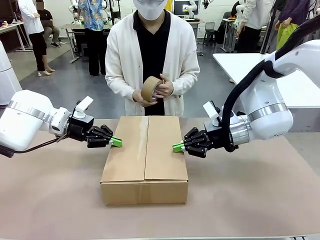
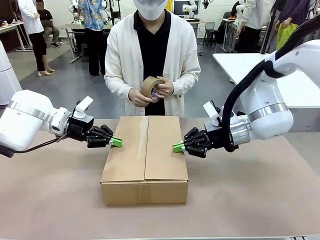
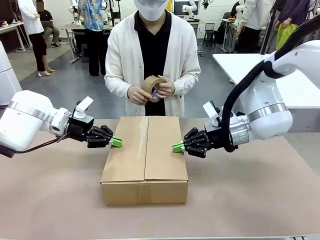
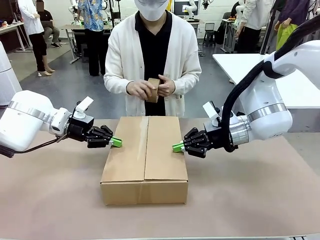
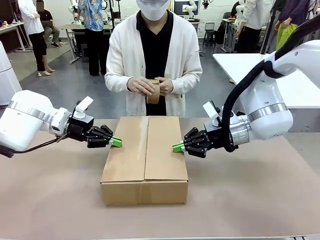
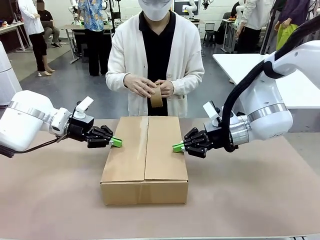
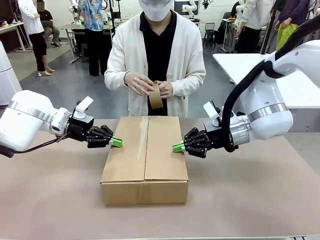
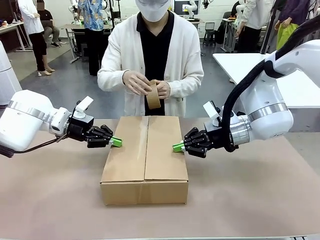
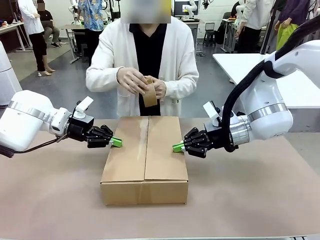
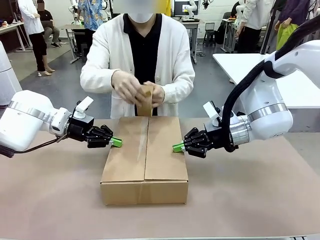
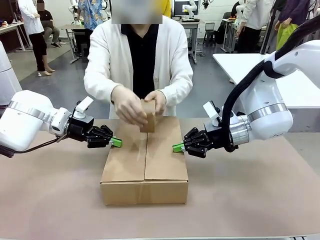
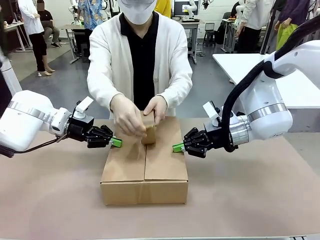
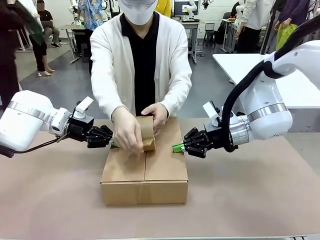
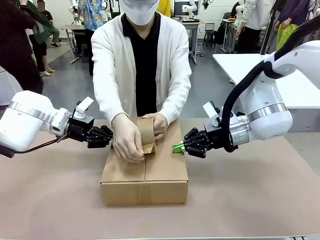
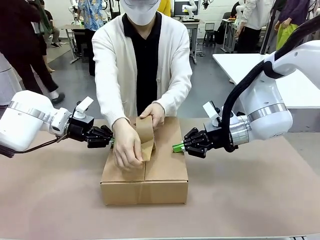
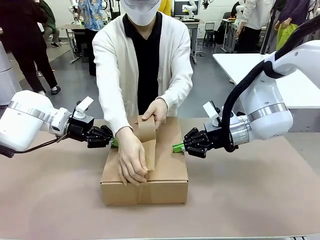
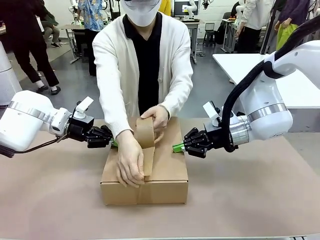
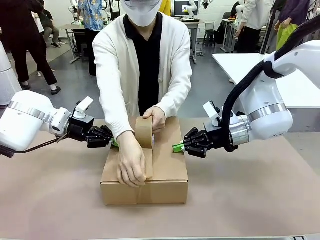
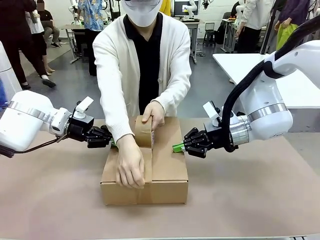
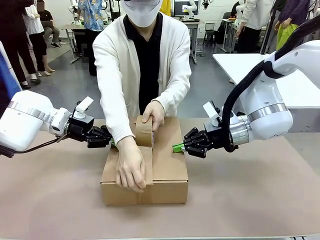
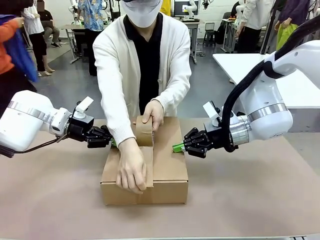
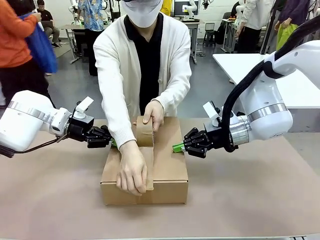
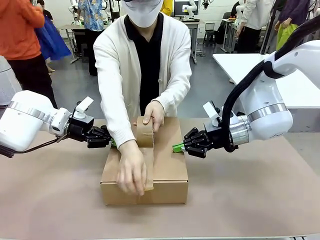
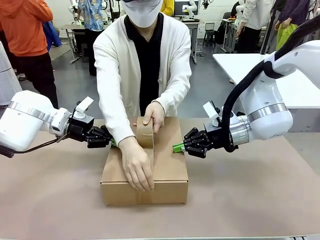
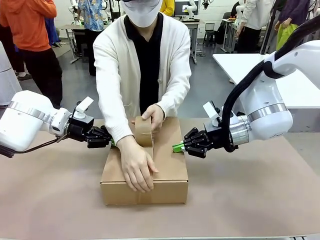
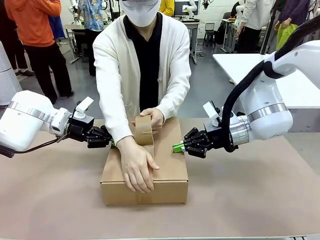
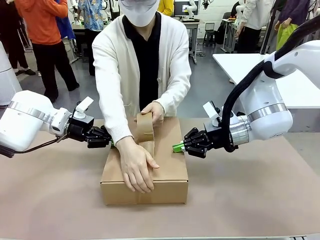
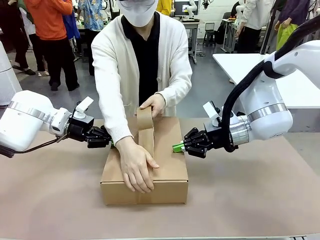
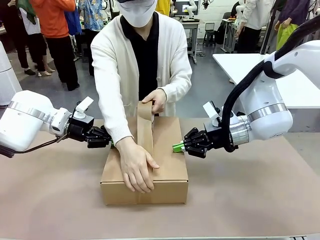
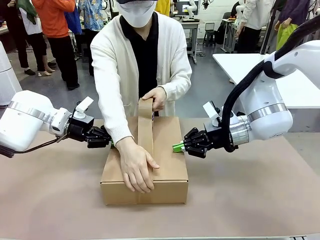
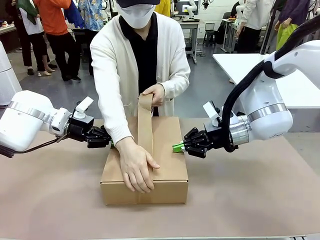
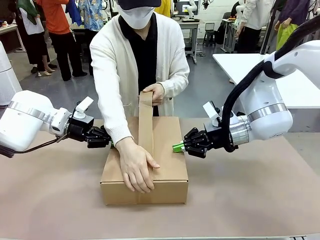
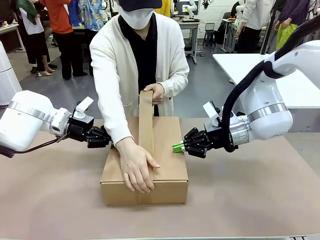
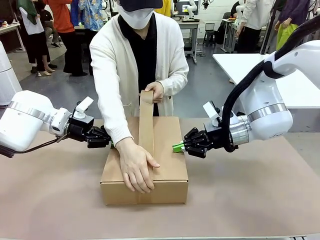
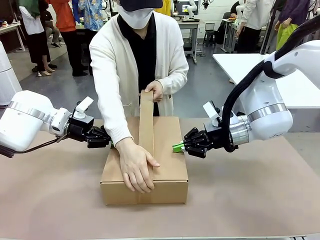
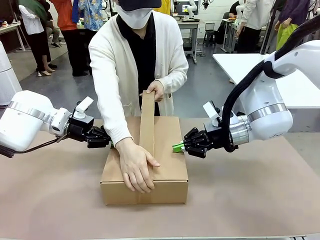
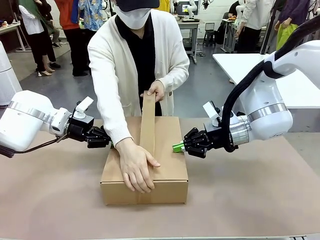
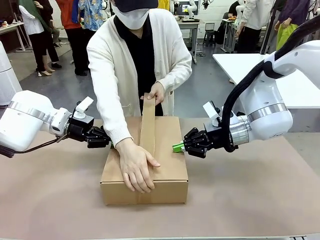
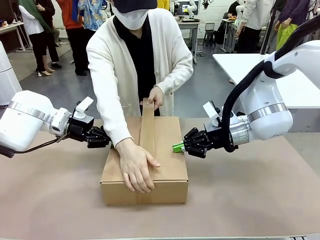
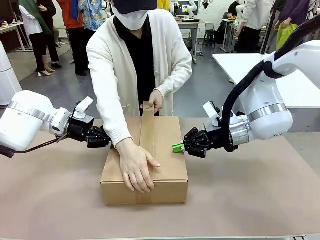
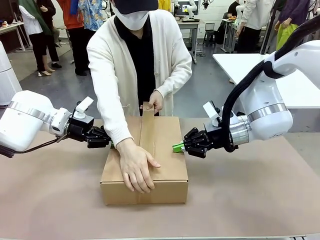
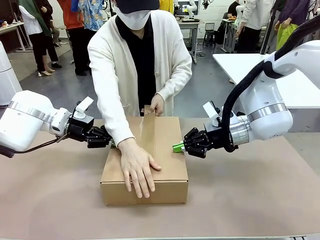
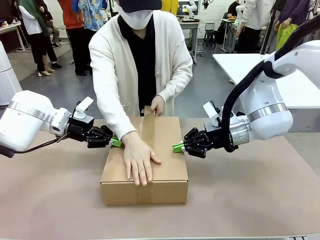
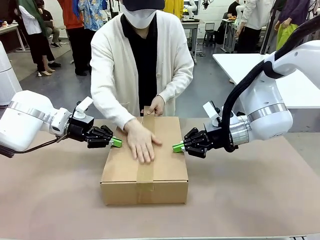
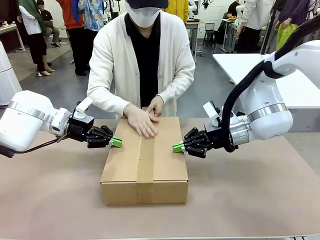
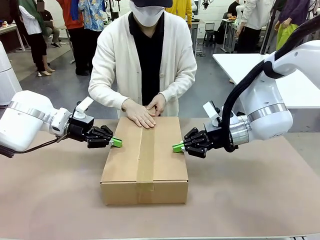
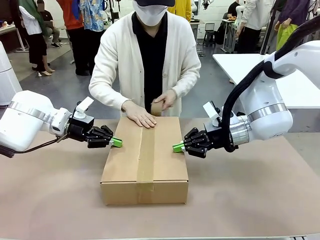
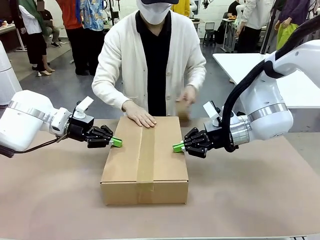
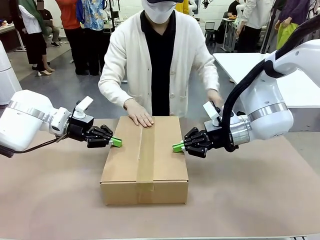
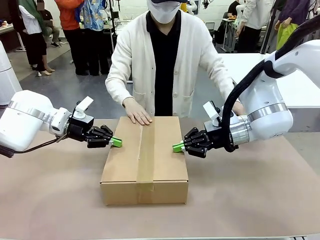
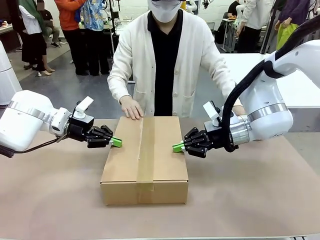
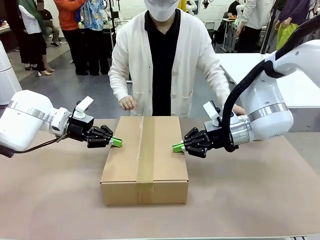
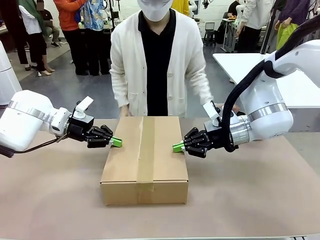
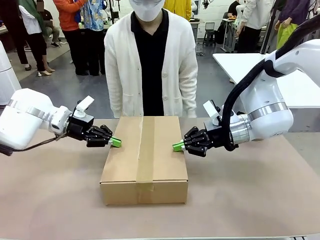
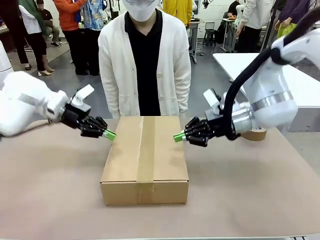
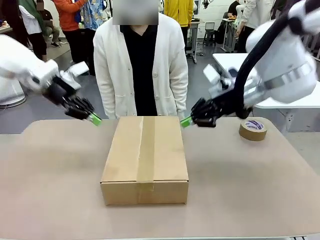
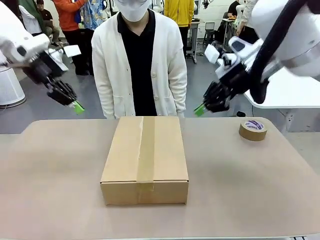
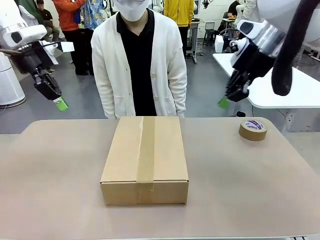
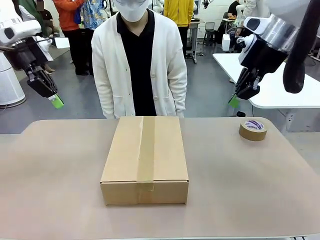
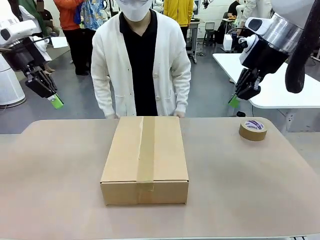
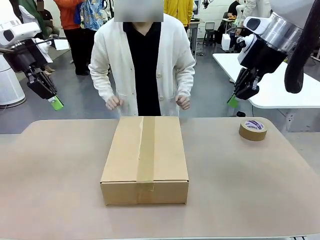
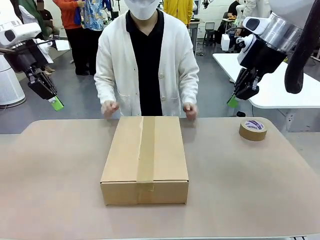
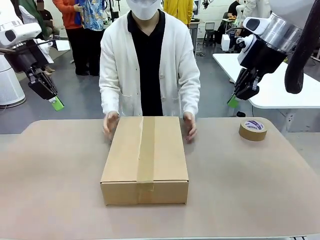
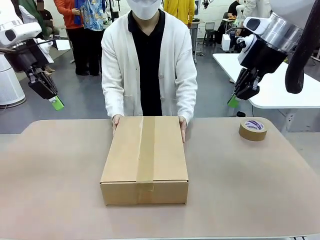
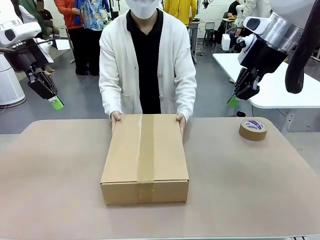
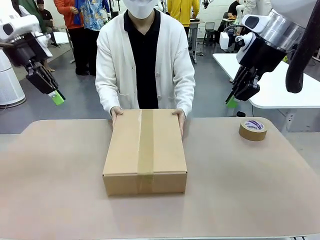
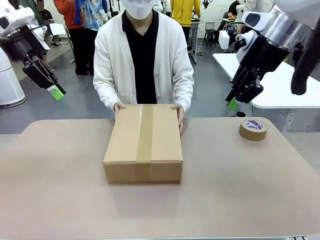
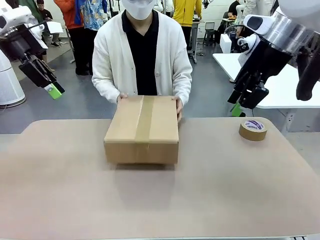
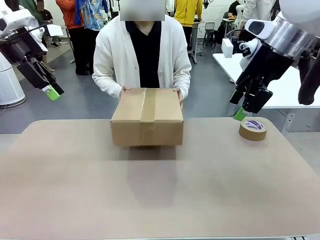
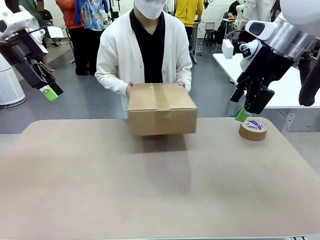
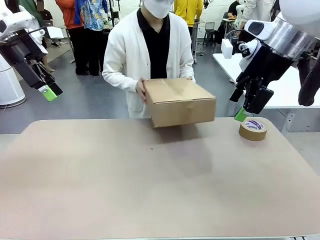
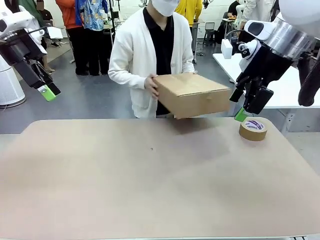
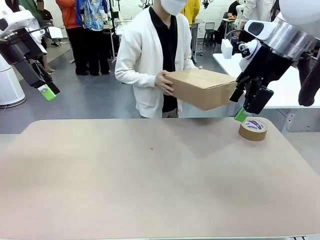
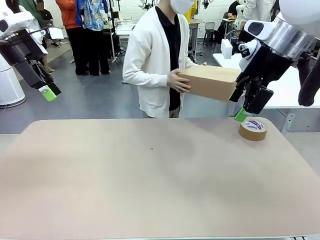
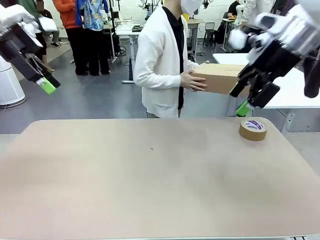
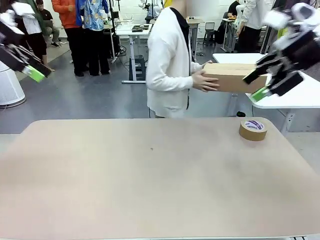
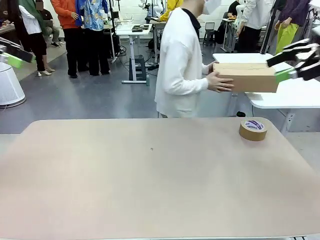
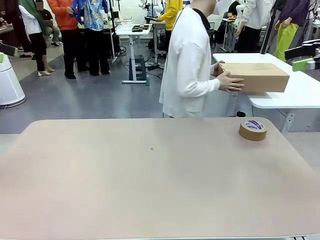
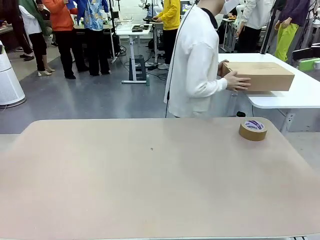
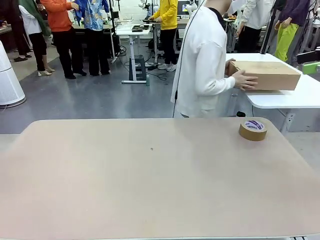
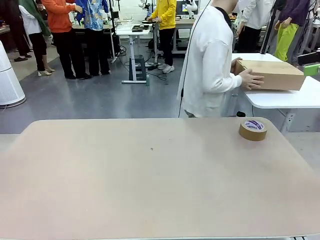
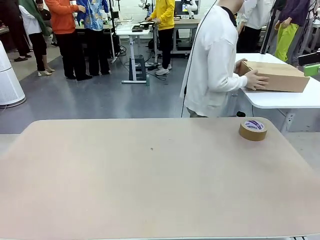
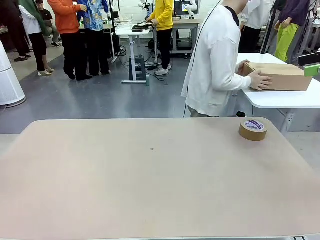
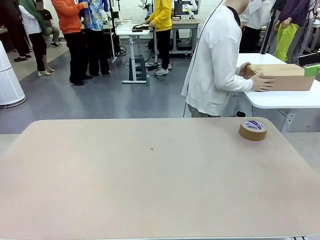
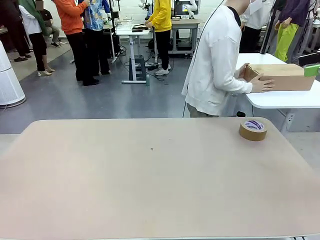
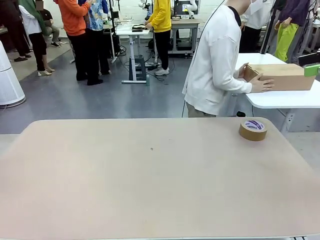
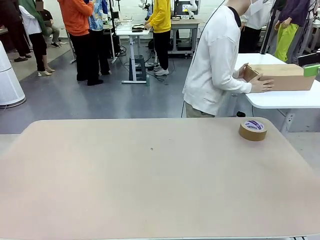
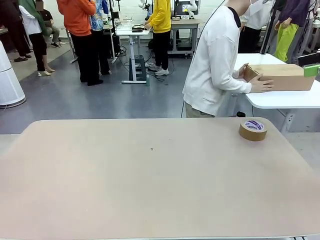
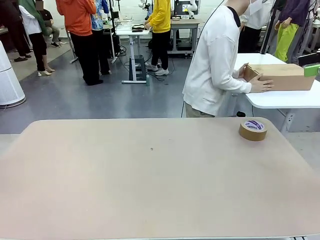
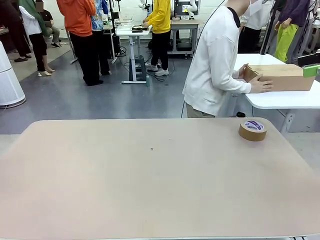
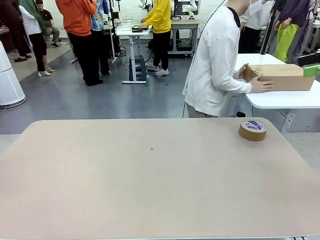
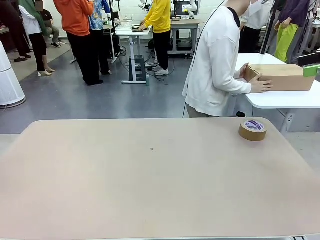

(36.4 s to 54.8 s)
Task: Wrap the clocks to prevent damage.
Robot: After the human seals the box with tape, release both hands from the side flaps of the Package Box.
Person: Once the robot closes the left flap of the Package Box , seal the box with Paper Tape. Place sealed Package Box in the middle of the human's table.
